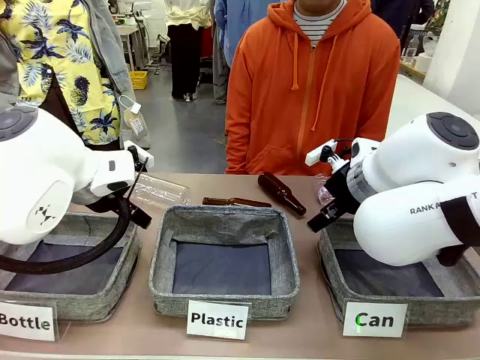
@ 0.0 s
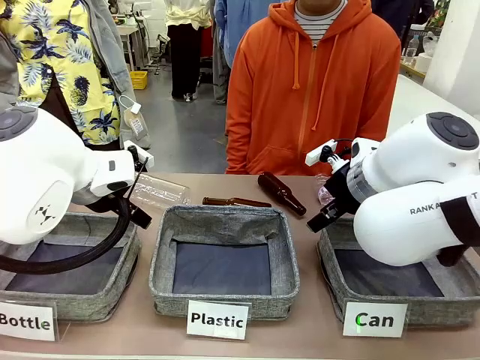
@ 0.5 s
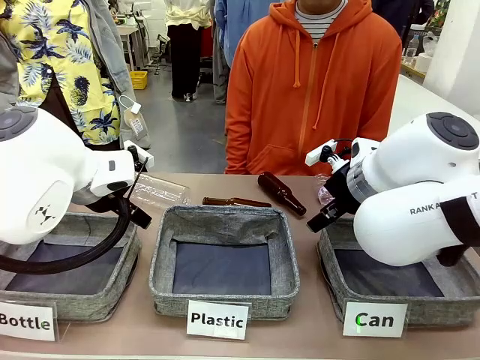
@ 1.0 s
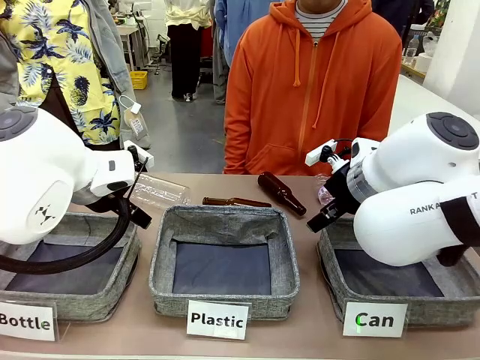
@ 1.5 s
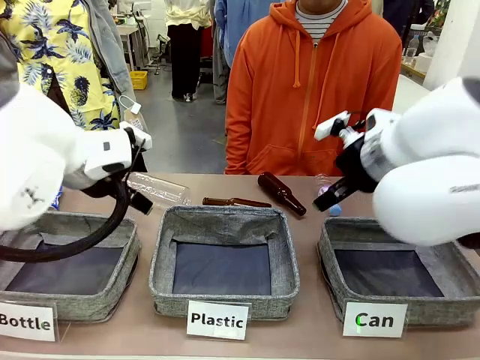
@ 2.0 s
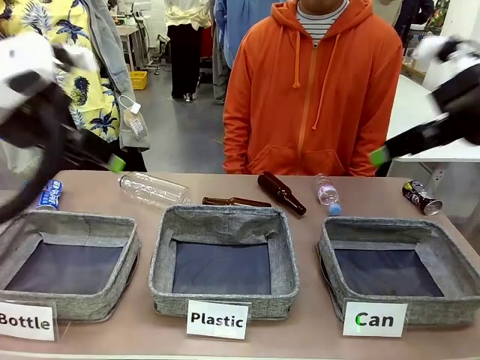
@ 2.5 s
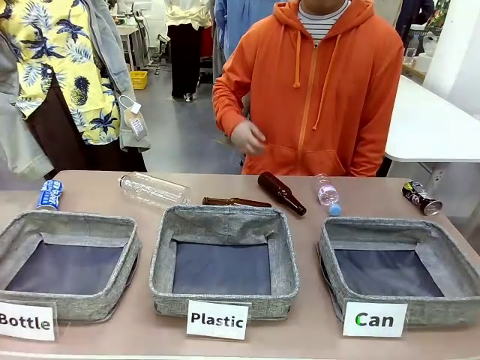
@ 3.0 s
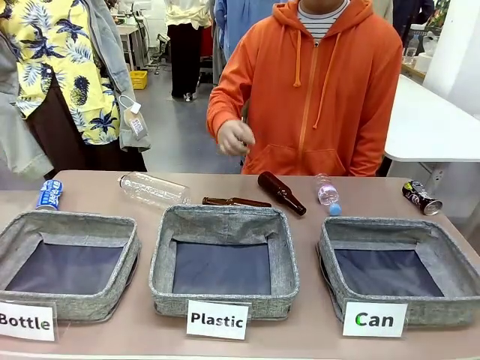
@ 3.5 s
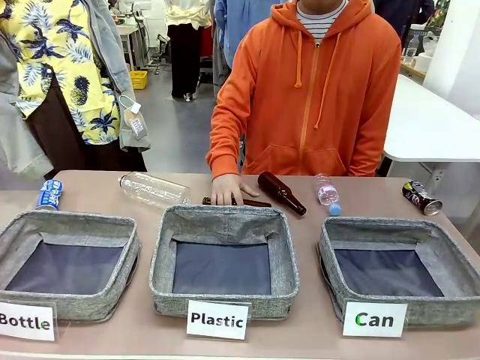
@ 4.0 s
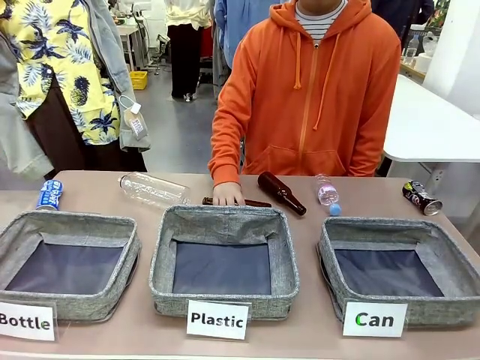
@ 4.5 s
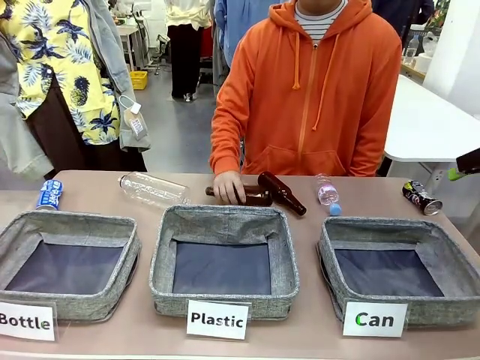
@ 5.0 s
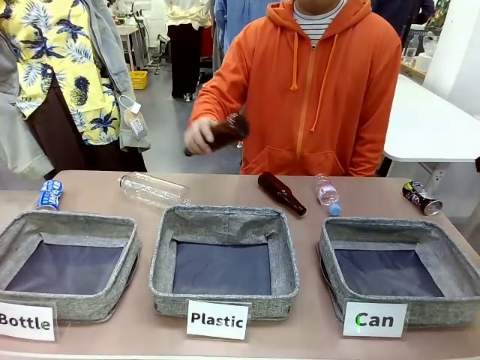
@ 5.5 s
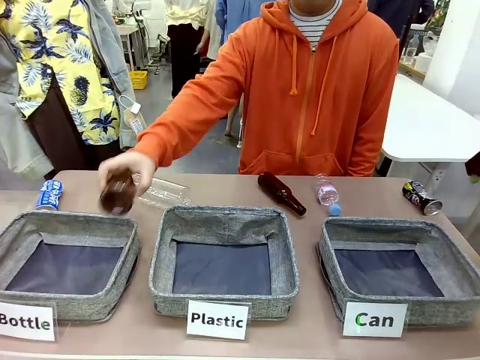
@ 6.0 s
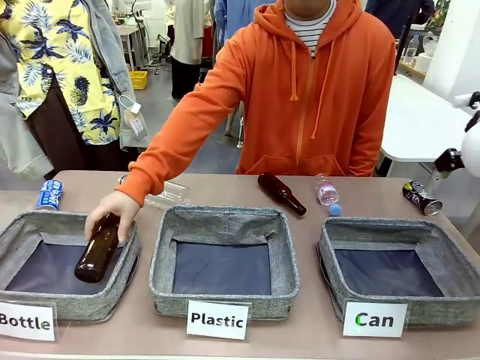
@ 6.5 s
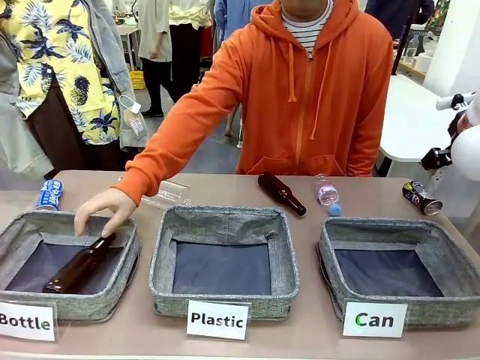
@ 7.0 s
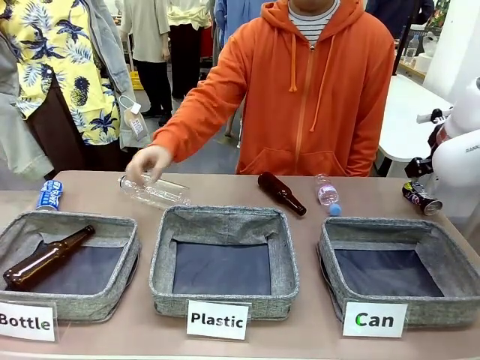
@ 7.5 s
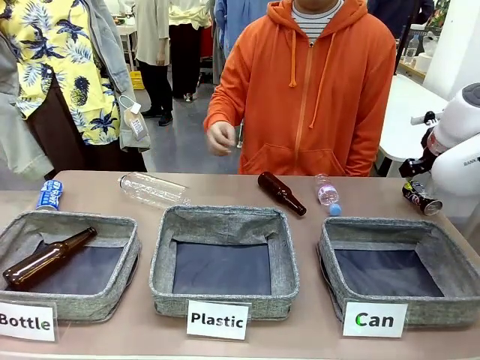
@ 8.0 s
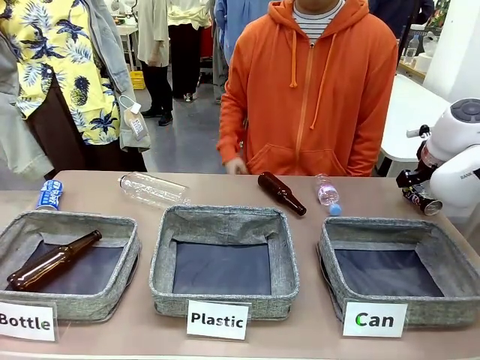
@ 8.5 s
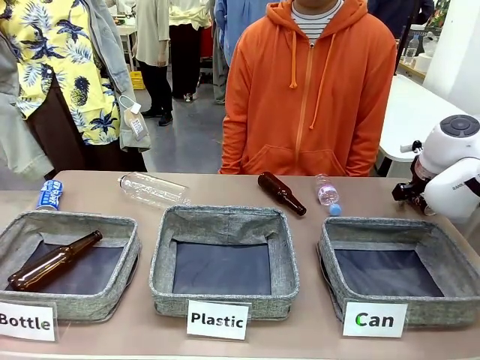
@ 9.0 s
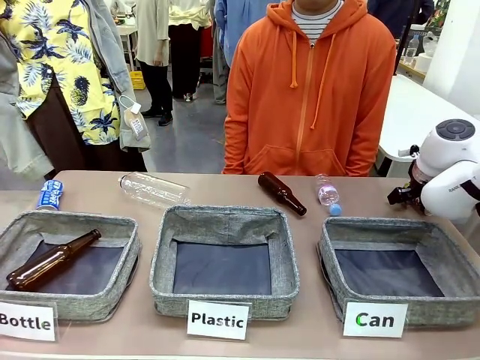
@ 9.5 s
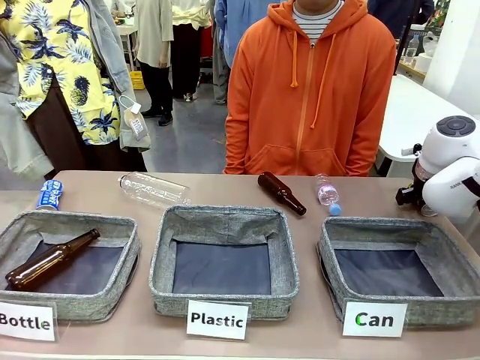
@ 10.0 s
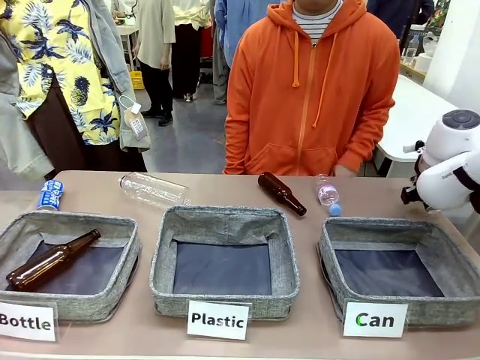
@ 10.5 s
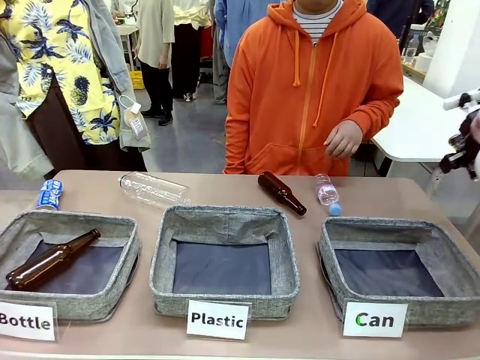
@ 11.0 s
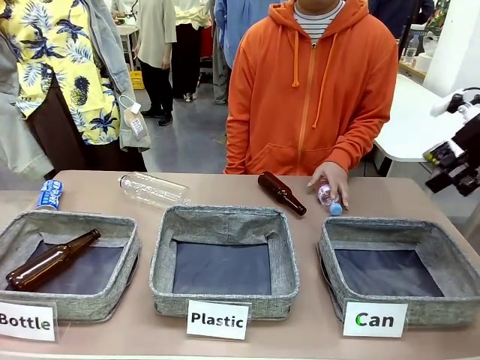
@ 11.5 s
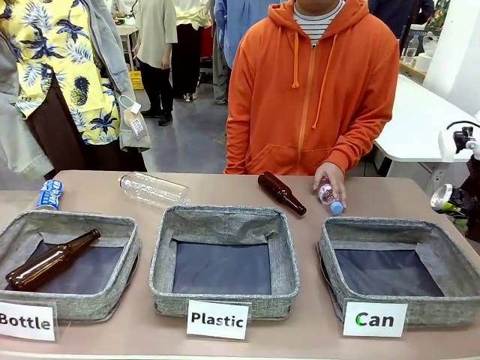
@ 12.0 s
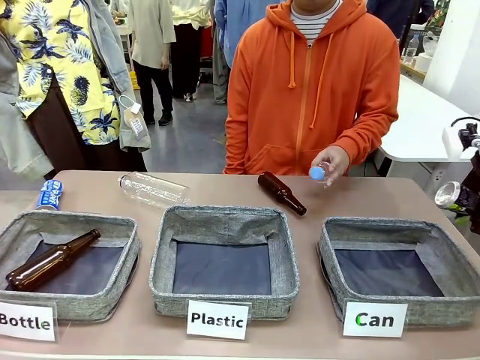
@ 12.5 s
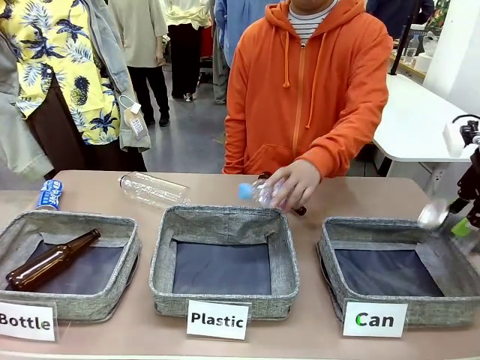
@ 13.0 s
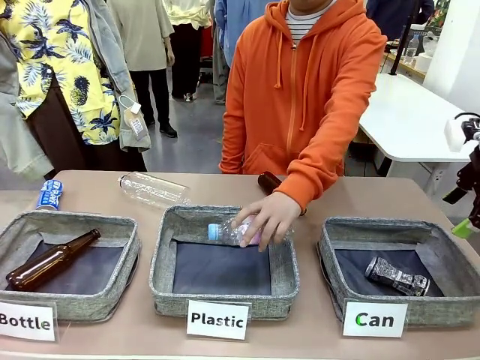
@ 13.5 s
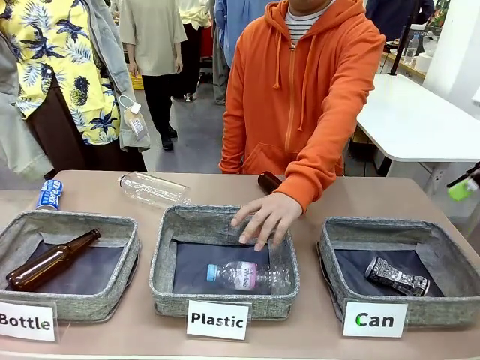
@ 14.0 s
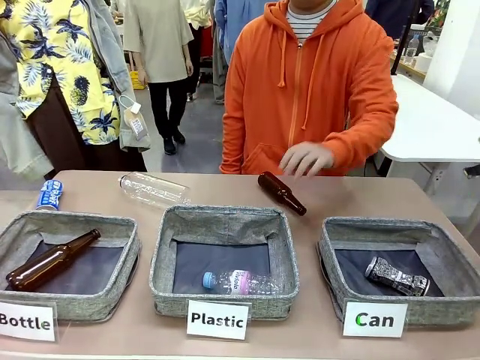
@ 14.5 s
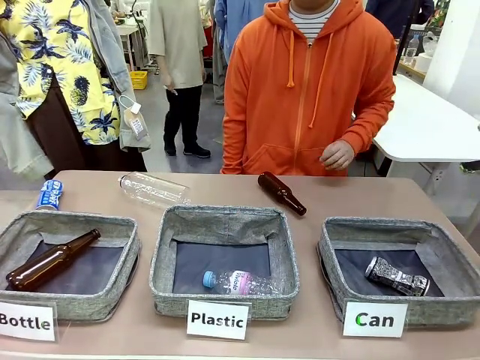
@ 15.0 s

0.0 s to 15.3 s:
Task: Sort the can waste into the basket.
Robot: Pick up the can waste from the table and place it in the right Fabric basket.

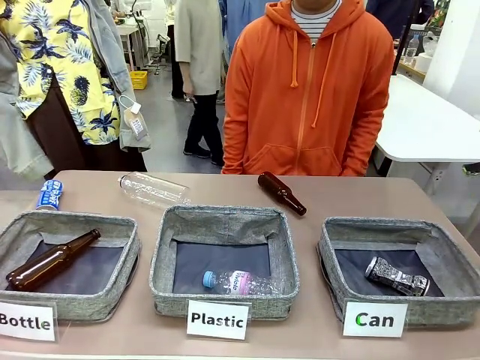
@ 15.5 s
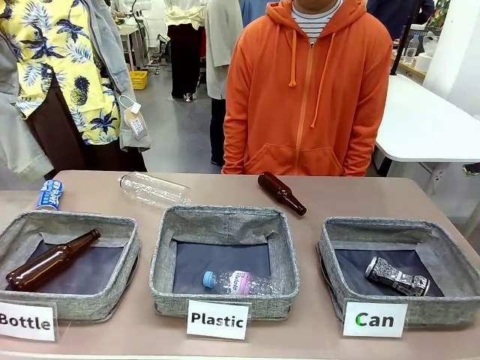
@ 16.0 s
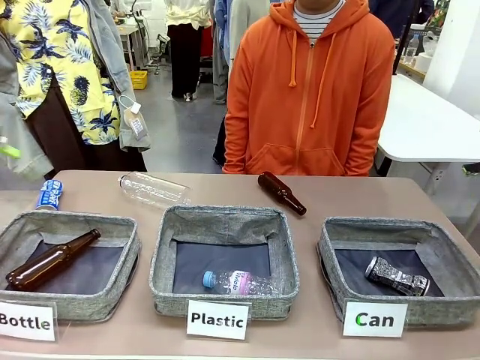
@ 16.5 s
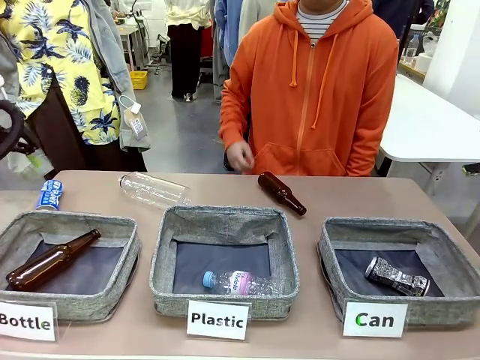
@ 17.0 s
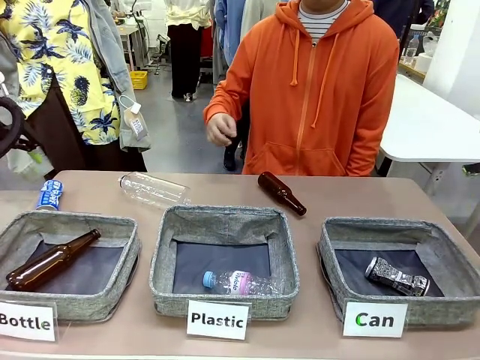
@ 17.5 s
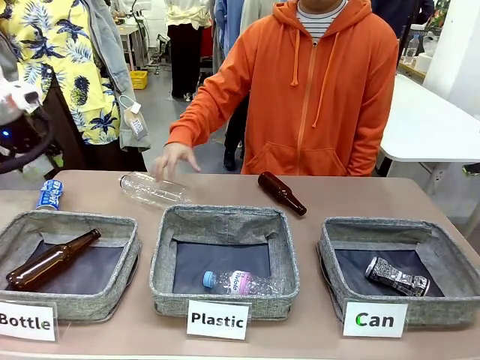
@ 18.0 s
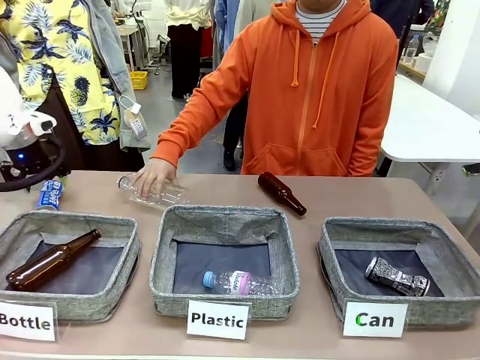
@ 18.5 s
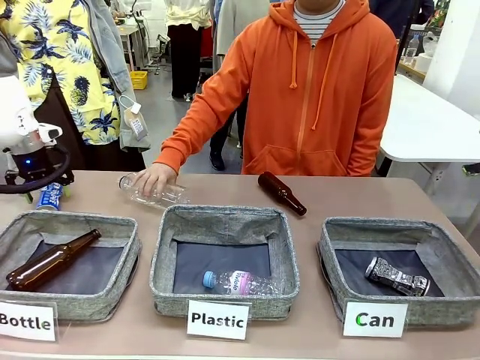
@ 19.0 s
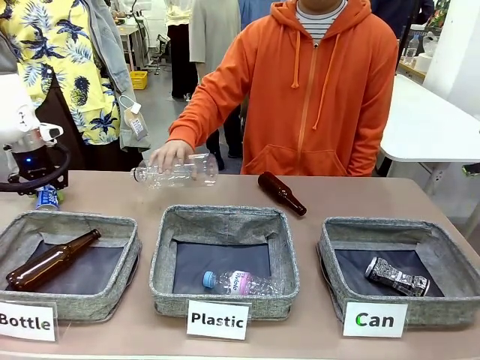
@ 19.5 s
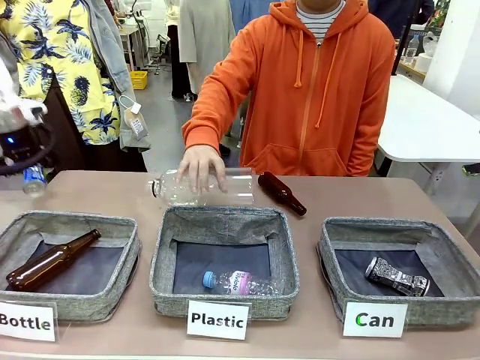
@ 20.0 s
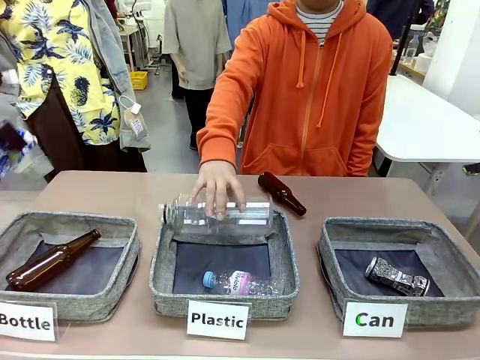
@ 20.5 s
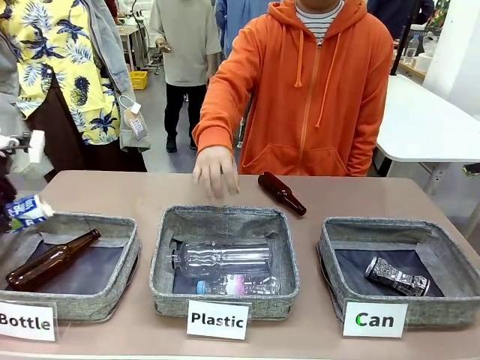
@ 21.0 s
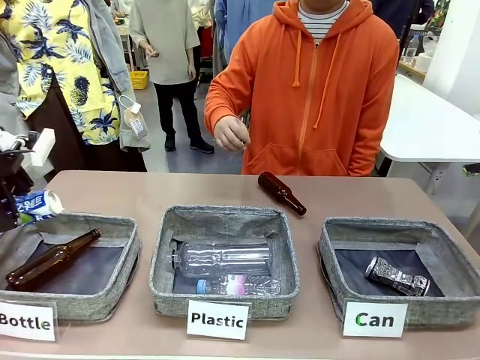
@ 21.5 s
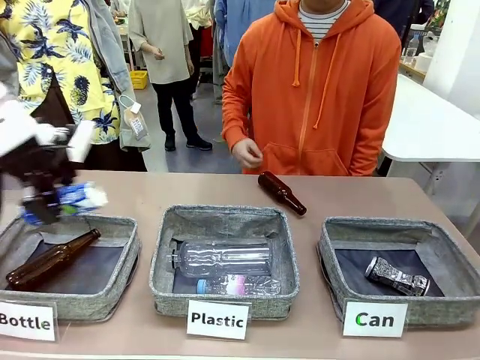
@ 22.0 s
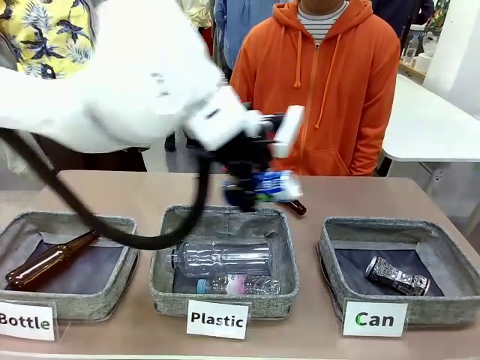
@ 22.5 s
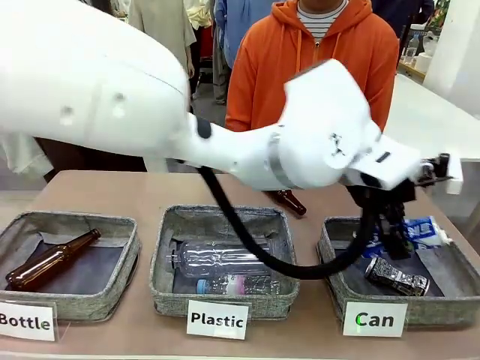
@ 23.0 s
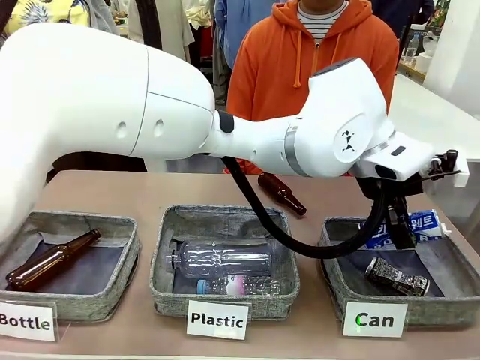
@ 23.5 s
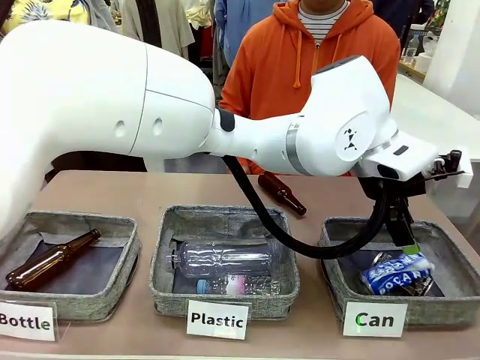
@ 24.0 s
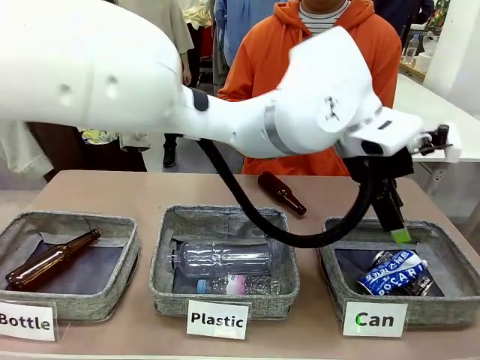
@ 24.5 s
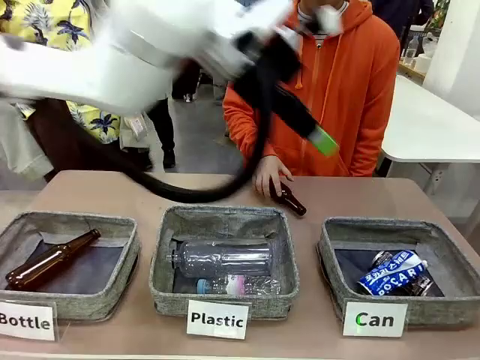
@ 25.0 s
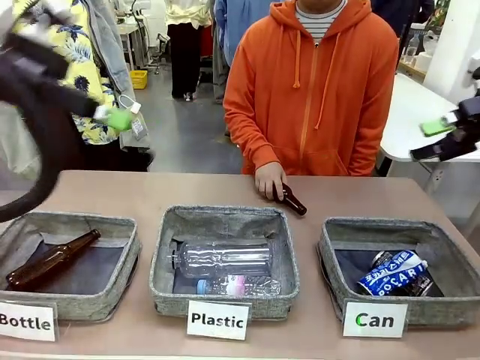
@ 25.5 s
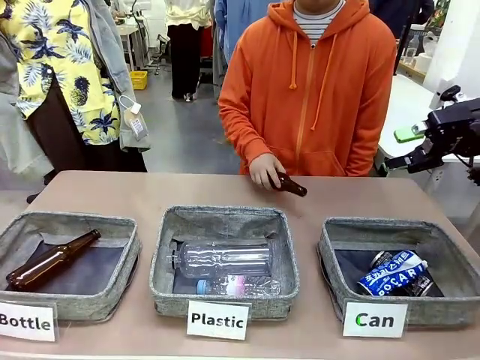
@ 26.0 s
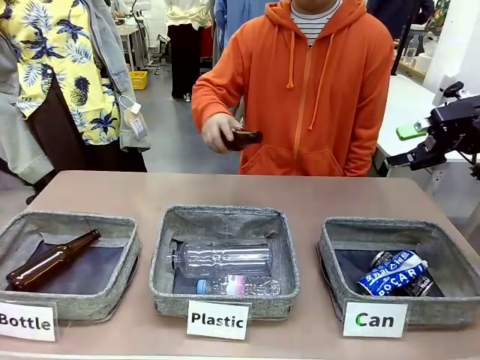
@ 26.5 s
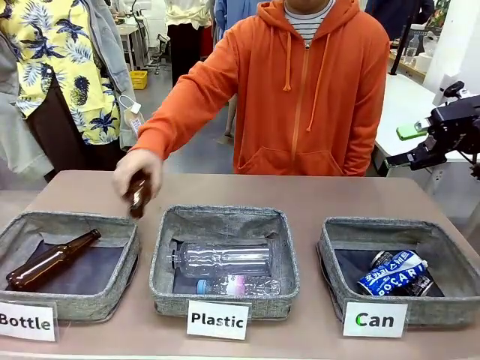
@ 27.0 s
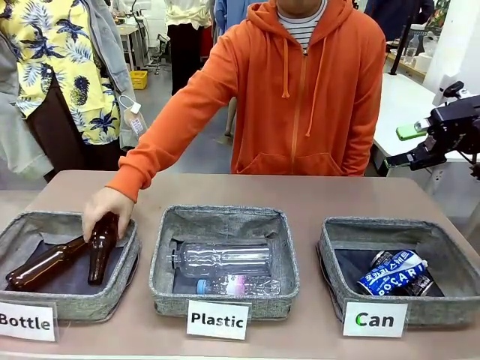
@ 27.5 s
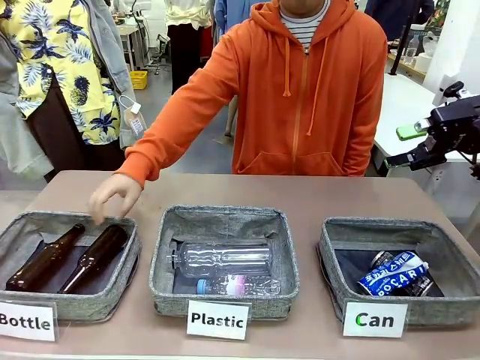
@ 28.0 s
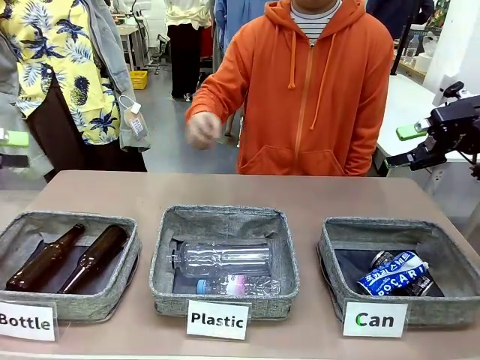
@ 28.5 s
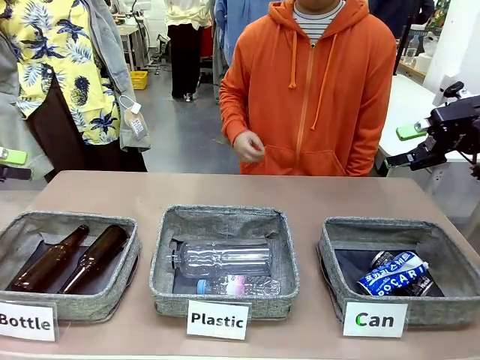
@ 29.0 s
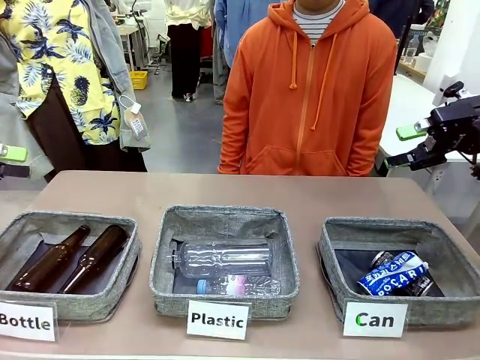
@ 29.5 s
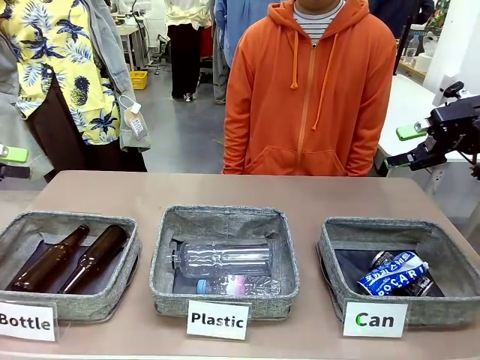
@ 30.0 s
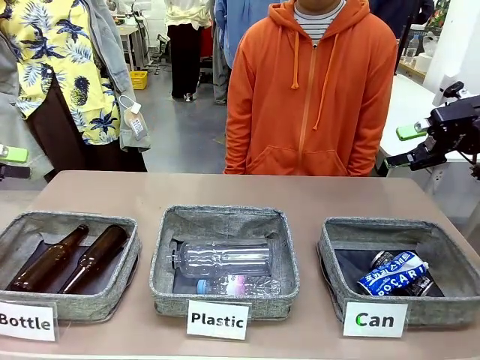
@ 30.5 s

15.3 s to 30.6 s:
Robot: Pick up the can waste from the table and place it in the right Fabric basket.
